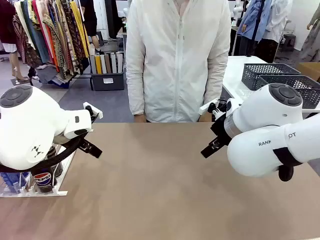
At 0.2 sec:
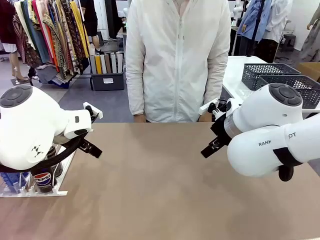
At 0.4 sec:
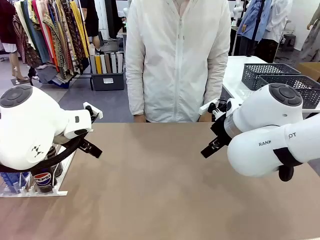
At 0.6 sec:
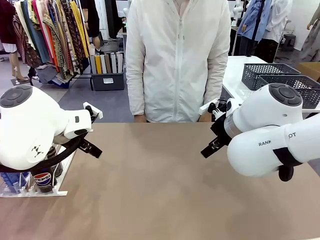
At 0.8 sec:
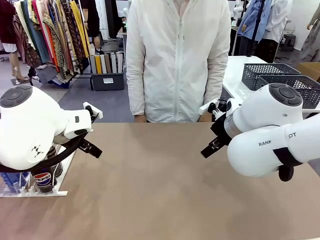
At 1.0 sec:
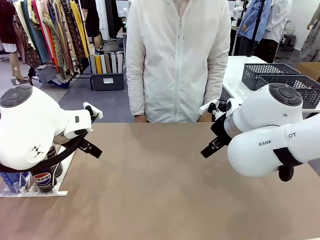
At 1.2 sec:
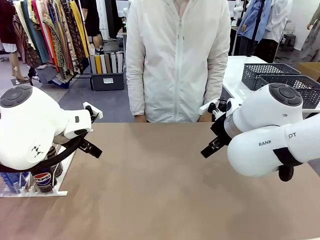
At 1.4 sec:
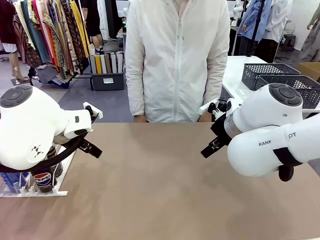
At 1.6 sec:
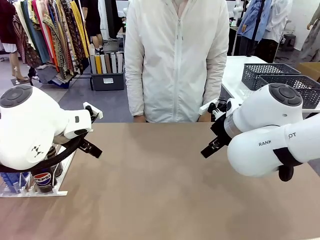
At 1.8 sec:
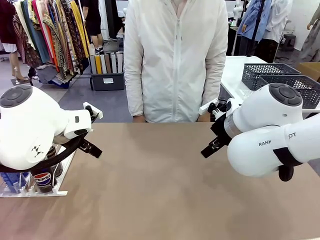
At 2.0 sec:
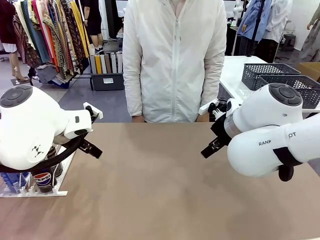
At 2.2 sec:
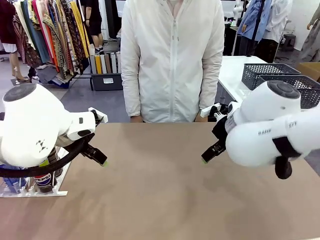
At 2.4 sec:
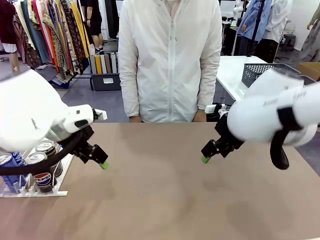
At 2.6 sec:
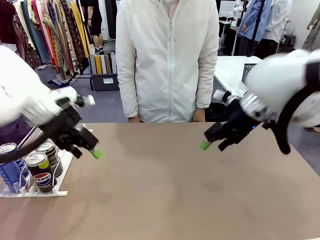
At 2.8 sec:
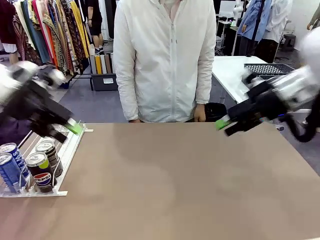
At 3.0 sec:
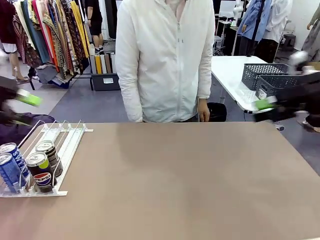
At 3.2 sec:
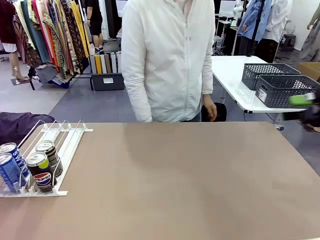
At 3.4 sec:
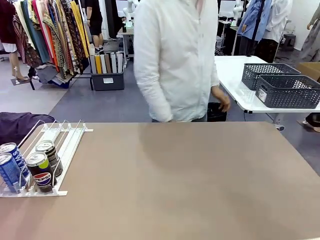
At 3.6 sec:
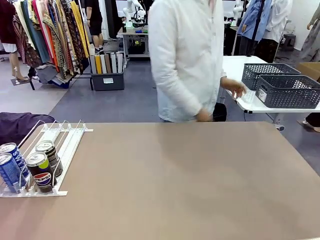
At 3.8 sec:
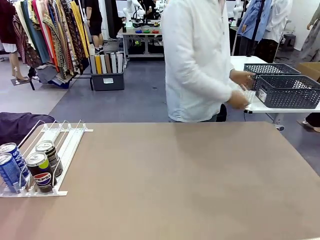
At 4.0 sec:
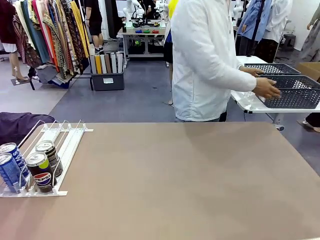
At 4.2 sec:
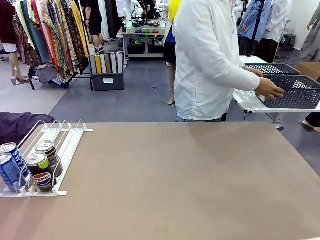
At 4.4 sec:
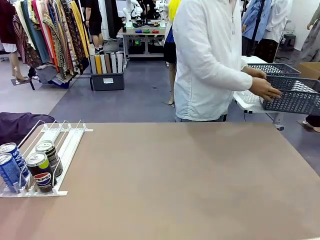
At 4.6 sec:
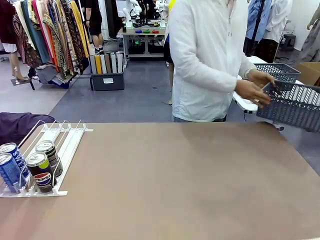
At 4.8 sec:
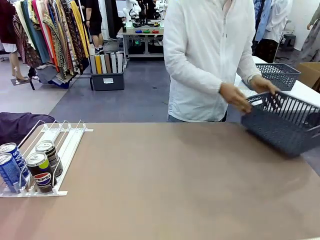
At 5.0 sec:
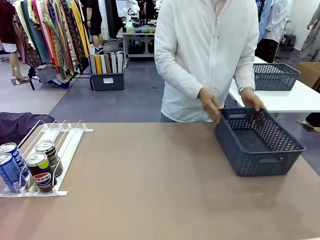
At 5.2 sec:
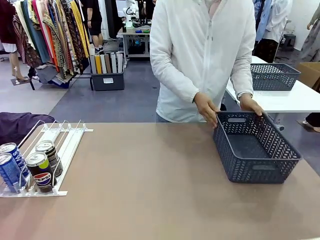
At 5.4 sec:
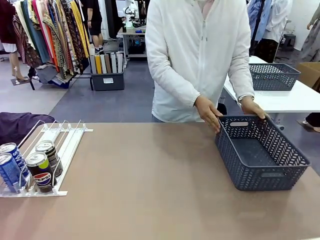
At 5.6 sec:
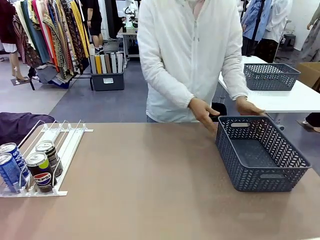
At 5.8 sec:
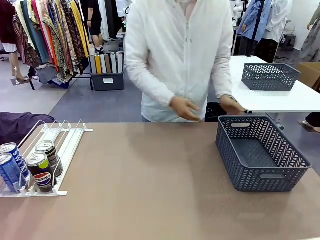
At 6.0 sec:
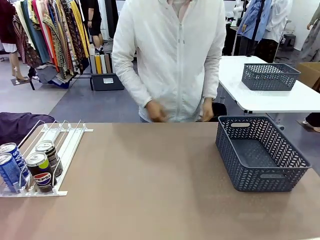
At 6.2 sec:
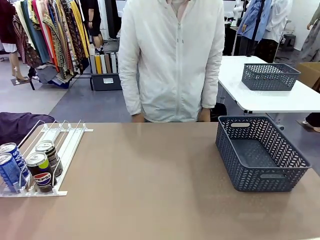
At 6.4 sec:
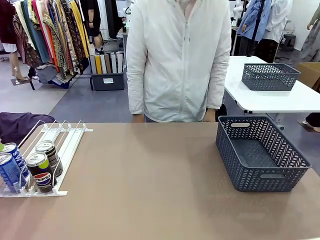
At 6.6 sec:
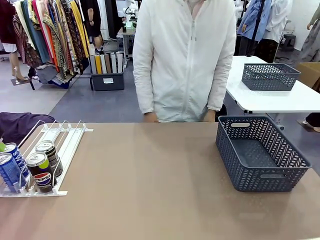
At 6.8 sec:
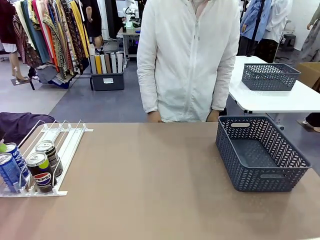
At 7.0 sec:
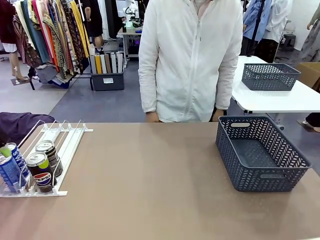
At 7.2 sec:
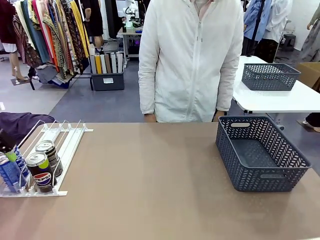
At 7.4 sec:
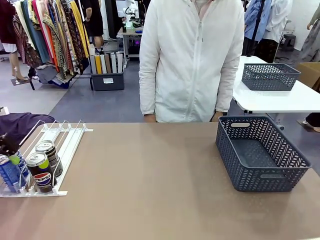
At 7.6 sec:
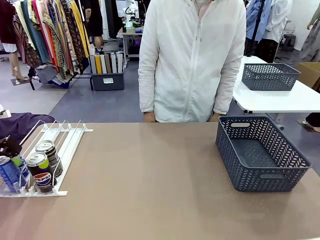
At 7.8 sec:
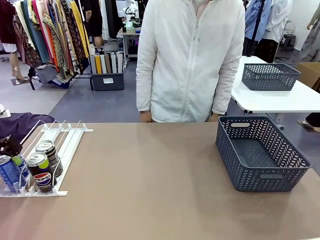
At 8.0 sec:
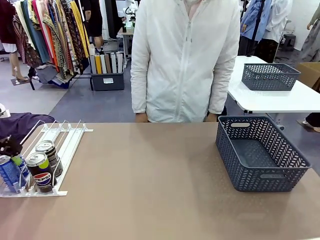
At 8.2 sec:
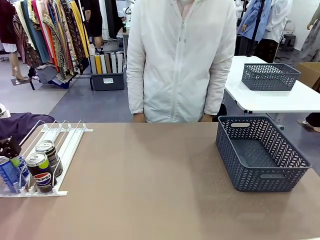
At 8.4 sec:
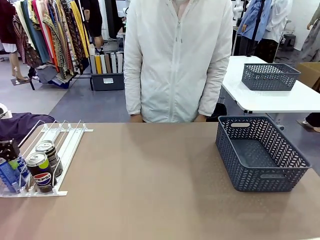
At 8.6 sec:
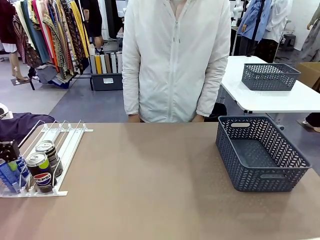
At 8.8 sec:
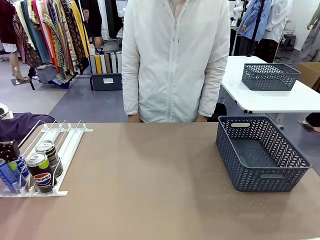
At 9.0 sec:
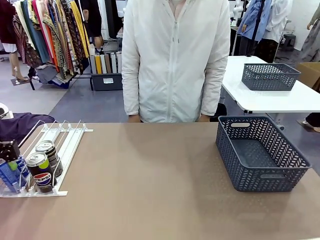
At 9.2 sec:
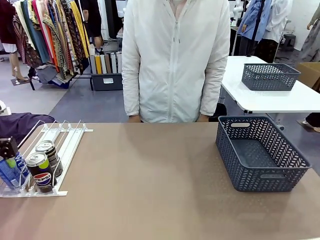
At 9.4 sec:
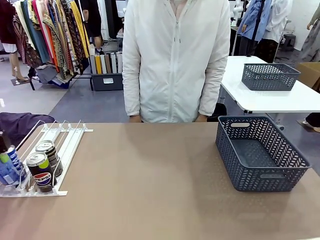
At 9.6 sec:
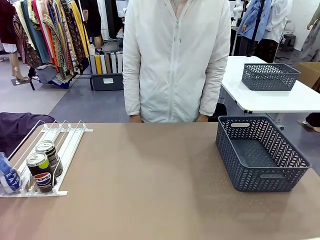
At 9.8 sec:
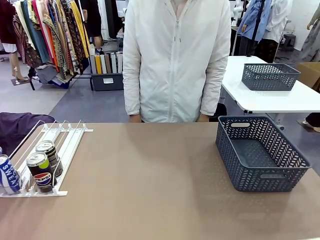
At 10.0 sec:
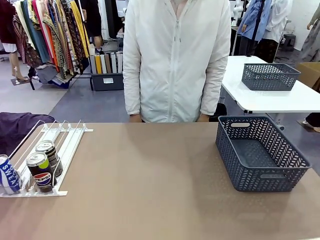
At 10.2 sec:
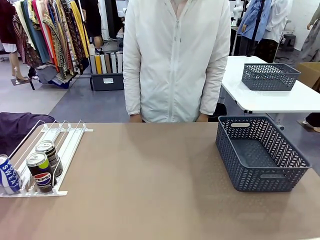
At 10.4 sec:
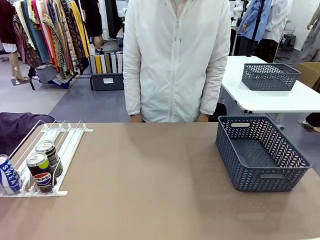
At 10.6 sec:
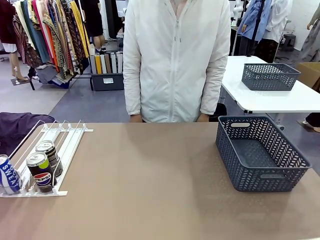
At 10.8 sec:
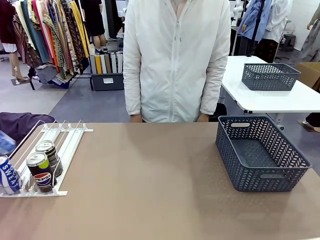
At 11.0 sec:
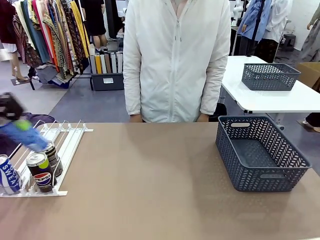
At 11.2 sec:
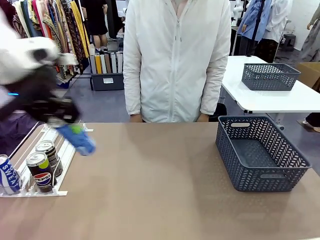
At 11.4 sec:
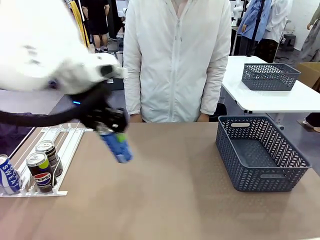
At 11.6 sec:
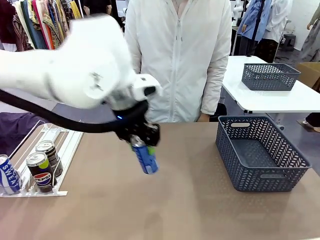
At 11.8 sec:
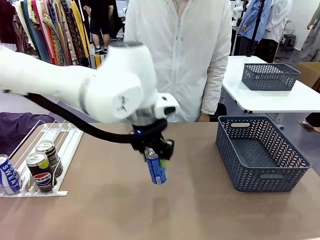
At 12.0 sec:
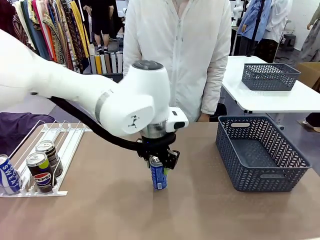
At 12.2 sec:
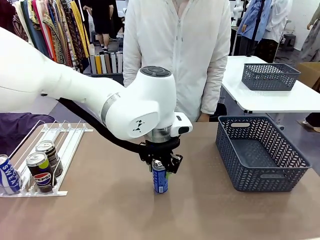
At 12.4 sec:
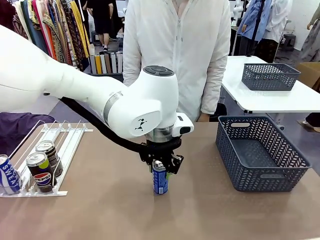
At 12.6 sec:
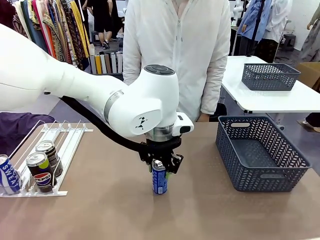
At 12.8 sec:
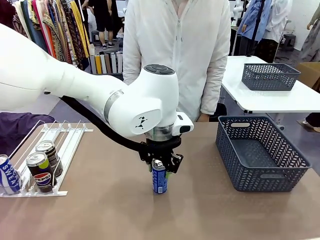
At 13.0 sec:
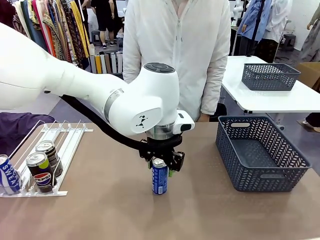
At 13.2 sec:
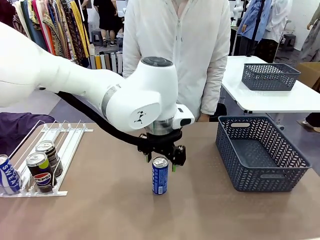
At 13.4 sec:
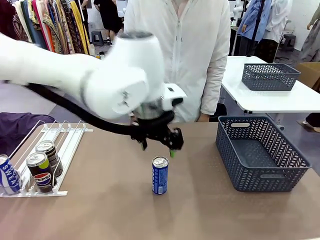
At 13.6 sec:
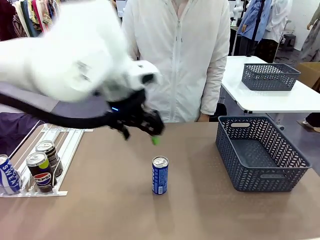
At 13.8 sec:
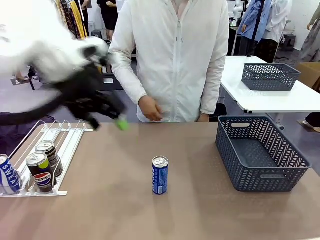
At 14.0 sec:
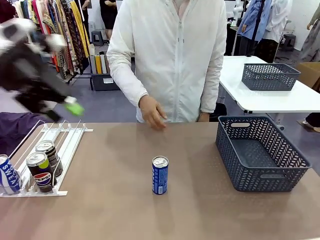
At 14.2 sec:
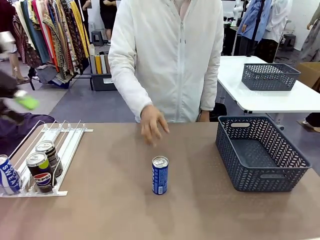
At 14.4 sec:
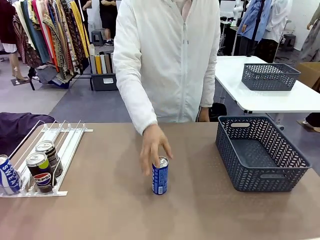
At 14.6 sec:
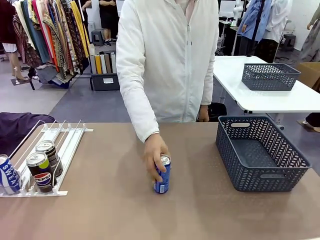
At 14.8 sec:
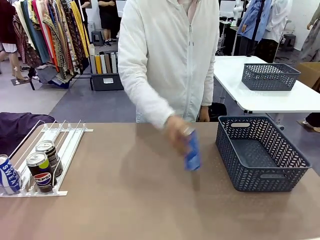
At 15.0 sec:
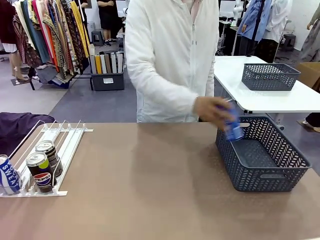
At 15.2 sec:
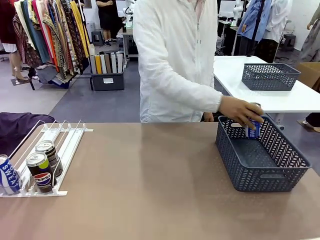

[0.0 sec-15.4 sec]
Task: Retrieve and store the cans from the dispenser.
Robot: Pick up one can from the Automatic Can Dispenser and place it in the middle of the table.
Person: Pick up the basket and place it on the left side of the robot table.
